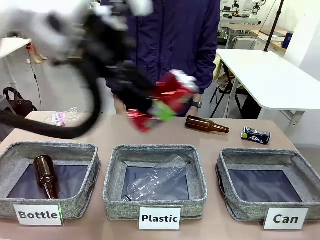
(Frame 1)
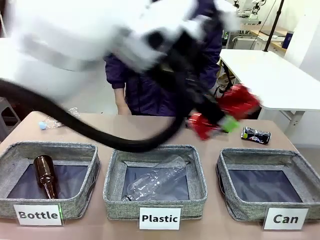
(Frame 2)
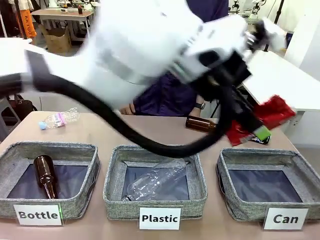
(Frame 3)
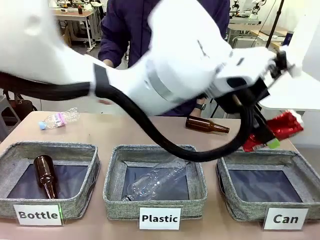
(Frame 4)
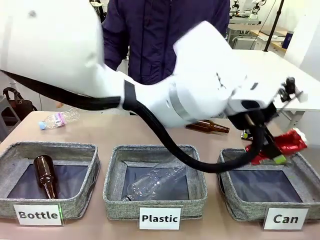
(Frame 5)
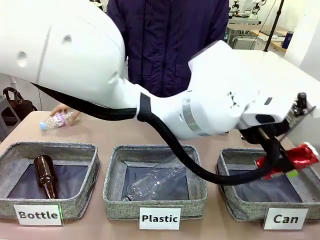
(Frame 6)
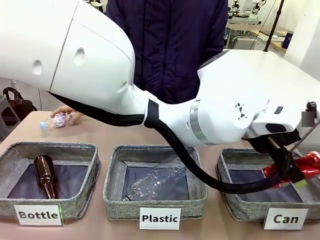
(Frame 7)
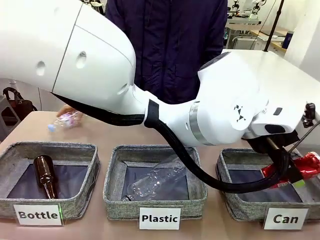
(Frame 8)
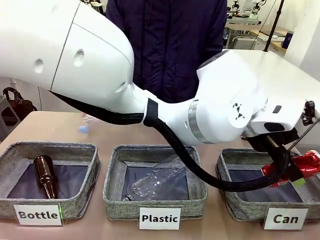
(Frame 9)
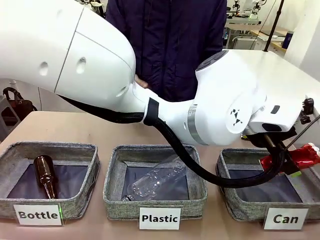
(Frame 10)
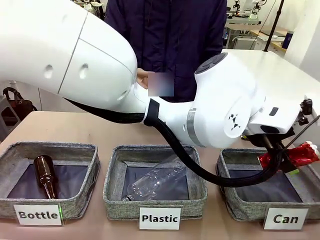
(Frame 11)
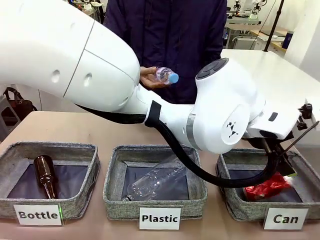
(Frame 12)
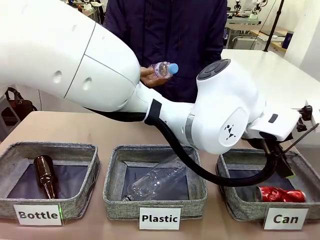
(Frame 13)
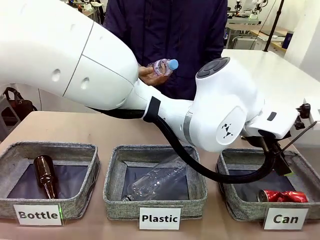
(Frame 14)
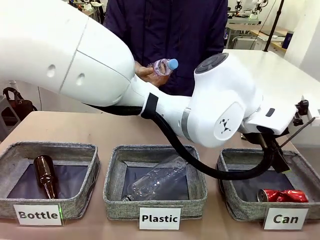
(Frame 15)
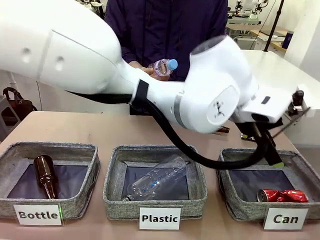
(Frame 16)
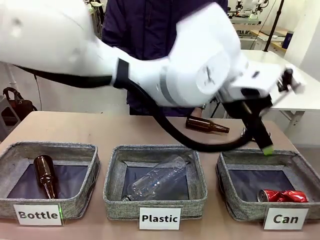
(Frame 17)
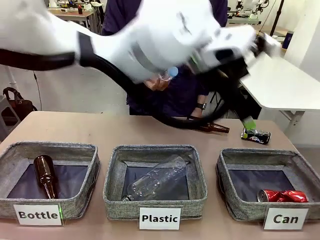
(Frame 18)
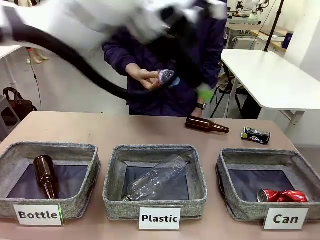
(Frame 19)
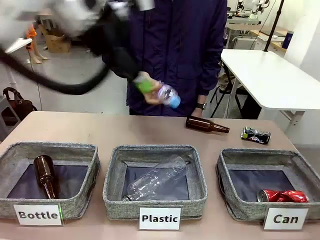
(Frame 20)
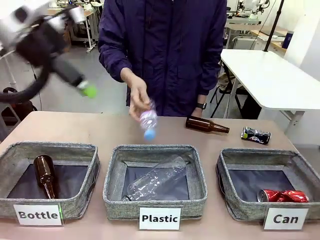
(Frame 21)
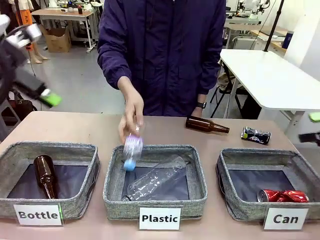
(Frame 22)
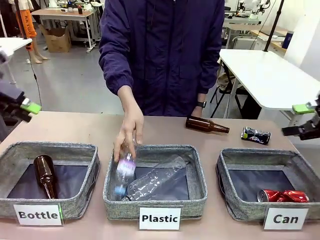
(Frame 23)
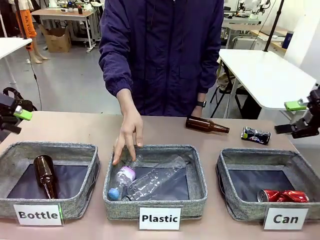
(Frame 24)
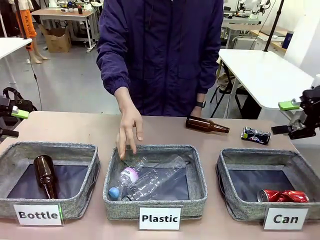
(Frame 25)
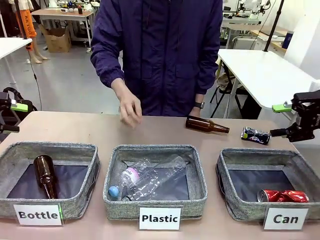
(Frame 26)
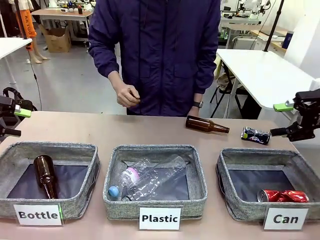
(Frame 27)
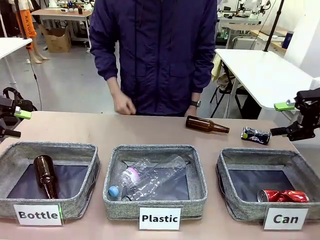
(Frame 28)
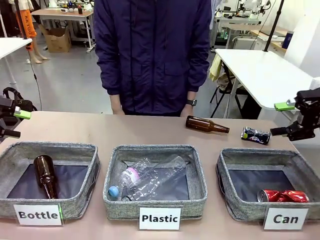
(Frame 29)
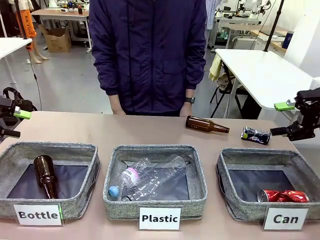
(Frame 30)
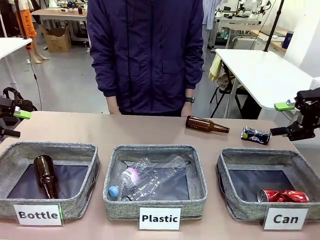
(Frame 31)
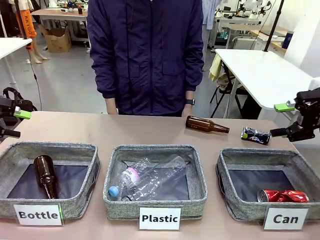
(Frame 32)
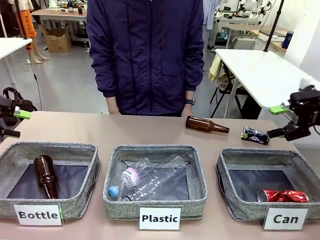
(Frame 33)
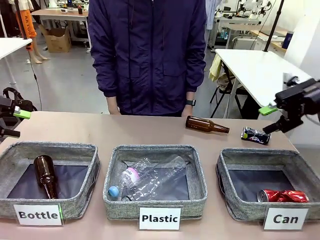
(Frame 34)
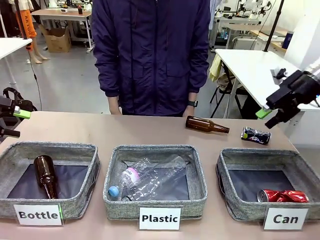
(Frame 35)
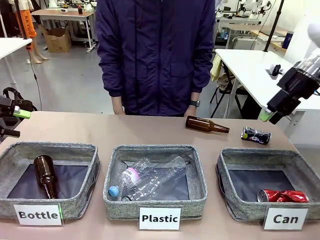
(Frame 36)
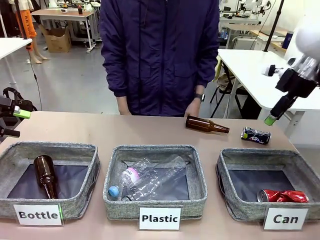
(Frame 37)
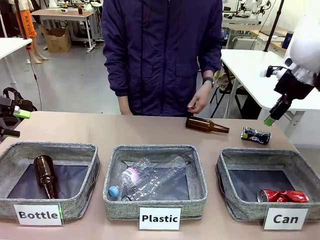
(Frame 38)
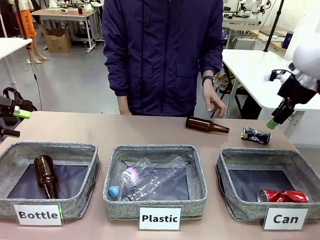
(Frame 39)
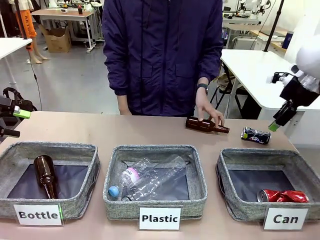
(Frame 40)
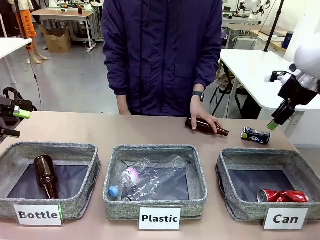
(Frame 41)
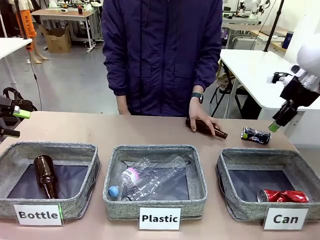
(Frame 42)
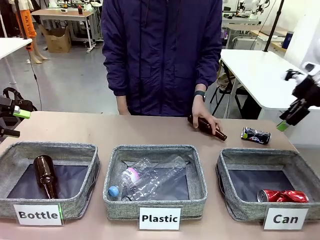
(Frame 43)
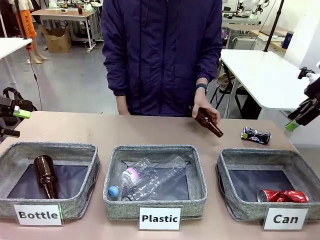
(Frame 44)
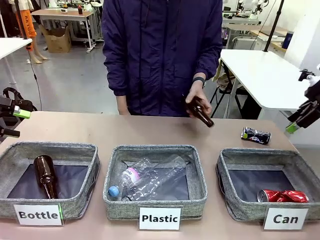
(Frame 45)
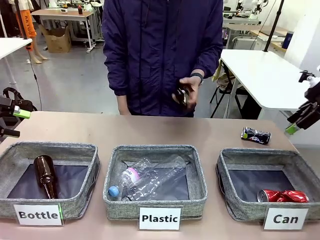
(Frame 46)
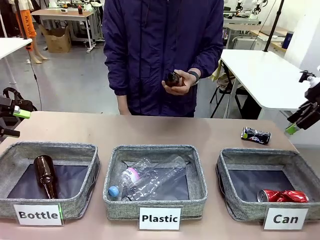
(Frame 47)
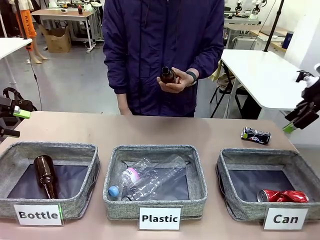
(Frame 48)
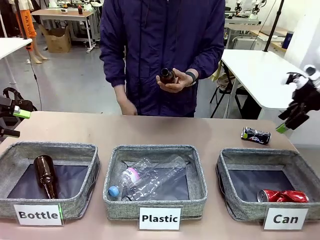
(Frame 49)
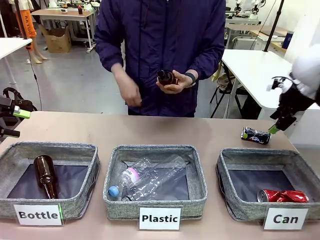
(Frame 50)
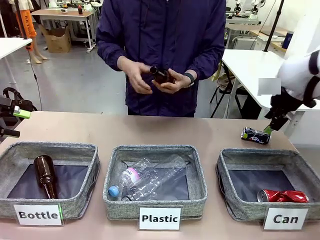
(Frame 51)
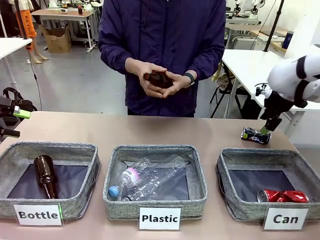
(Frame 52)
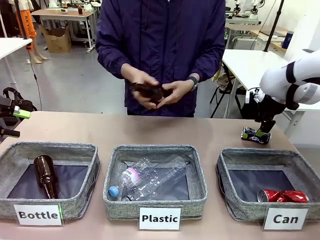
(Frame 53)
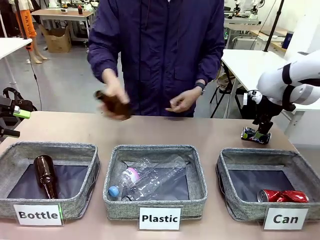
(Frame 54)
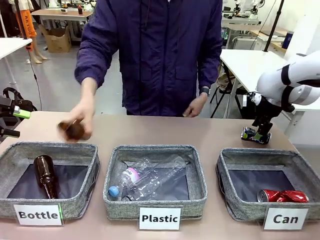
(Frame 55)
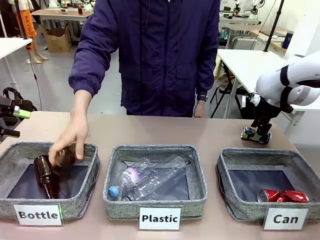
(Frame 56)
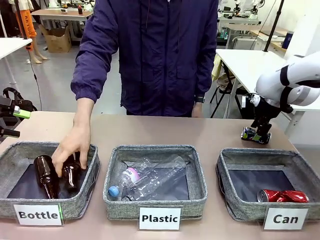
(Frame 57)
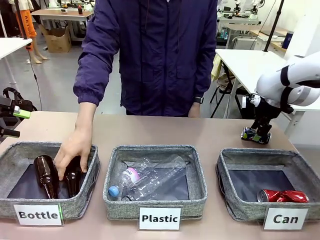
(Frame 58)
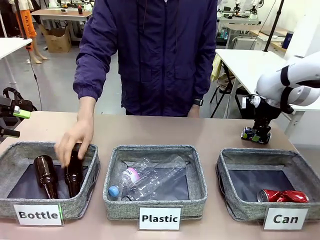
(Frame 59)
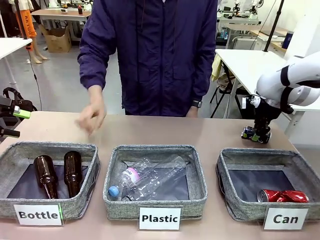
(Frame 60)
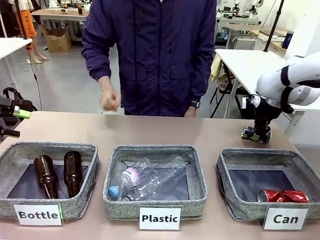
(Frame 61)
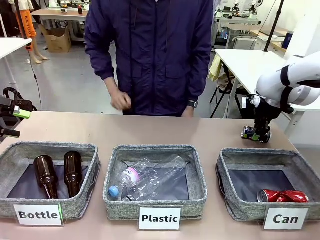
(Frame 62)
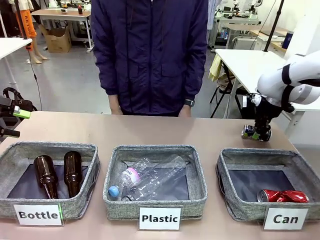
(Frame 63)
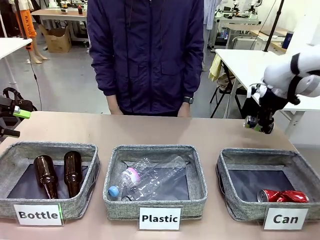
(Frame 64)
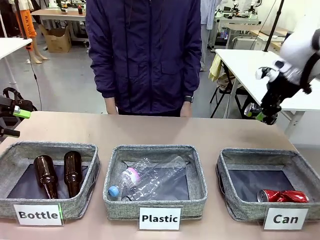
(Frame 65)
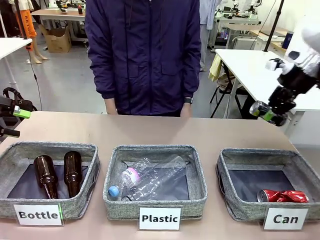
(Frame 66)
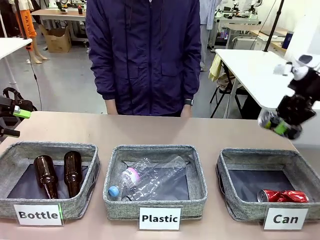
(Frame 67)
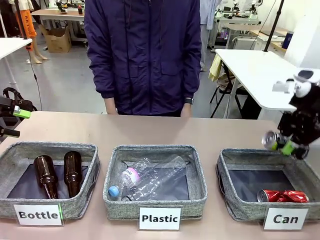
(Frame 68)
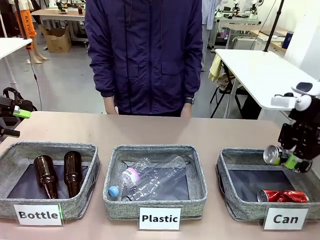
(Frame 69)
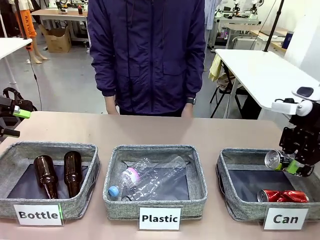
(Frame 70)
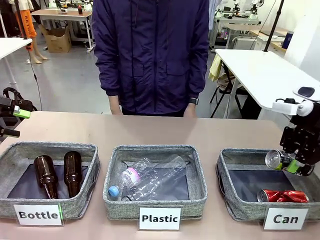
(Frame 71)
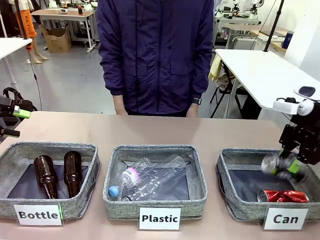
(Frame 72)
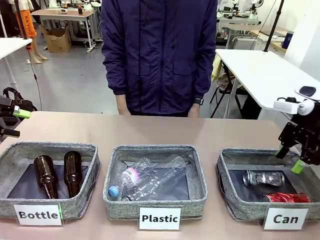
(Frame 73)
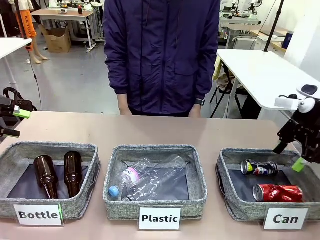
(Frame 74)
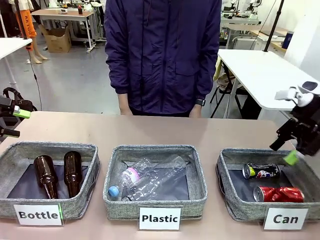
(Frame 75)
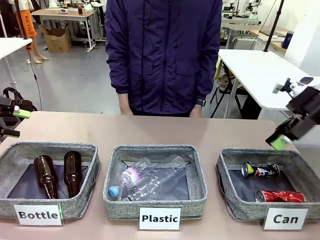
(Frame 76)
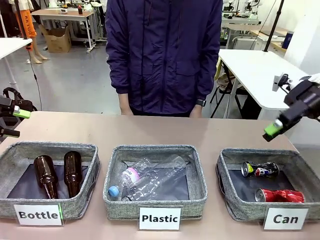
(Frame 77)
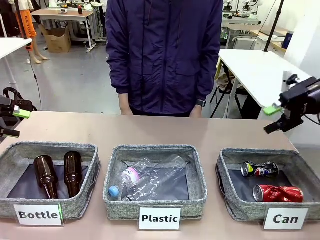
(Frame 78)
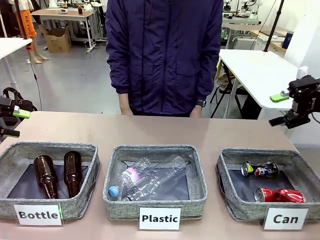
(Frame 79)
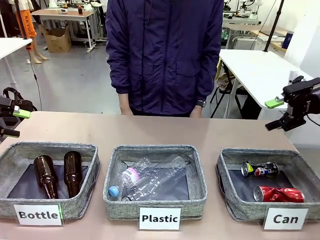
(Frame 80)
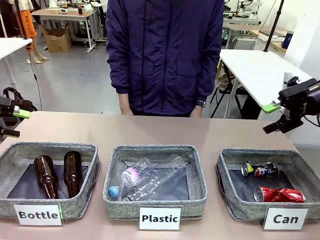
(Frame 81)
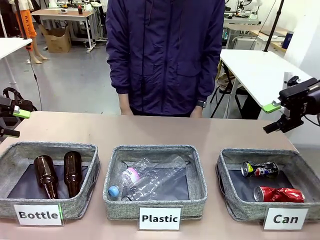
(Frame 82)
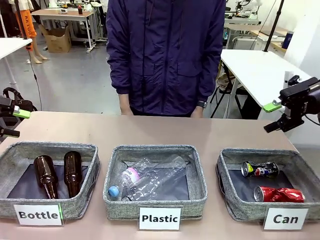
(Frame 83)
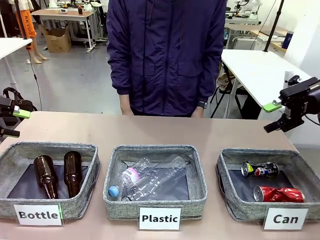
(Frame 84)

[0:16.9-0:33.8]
Task: Sort the can waste into the basket.
Robot: Pick up the can waste from the table and place it in the right Fabric basket.
